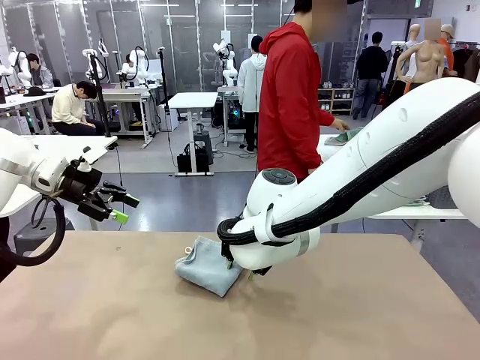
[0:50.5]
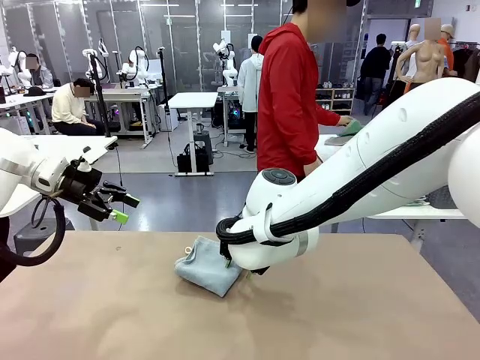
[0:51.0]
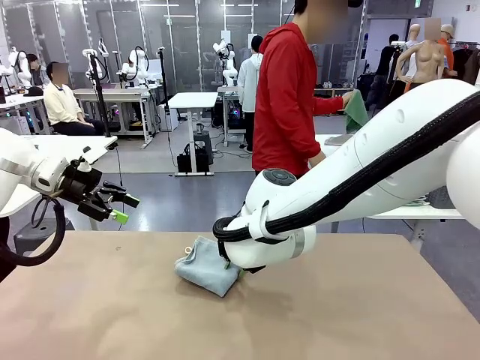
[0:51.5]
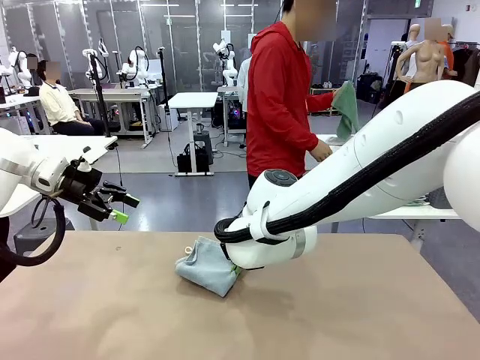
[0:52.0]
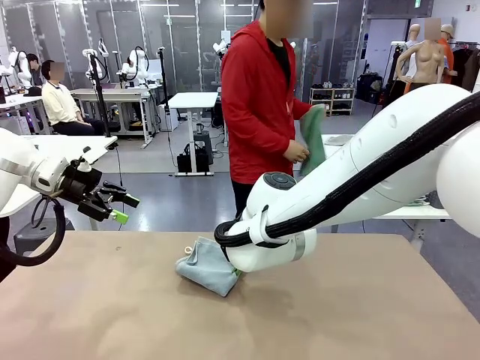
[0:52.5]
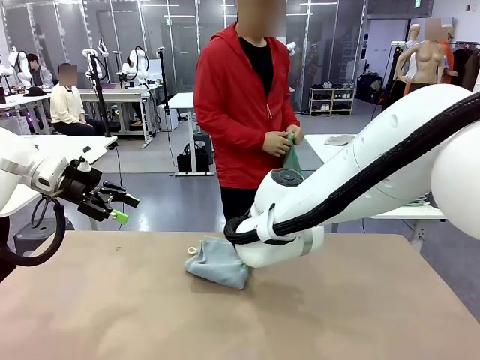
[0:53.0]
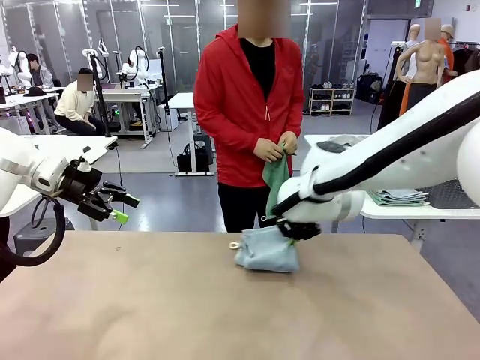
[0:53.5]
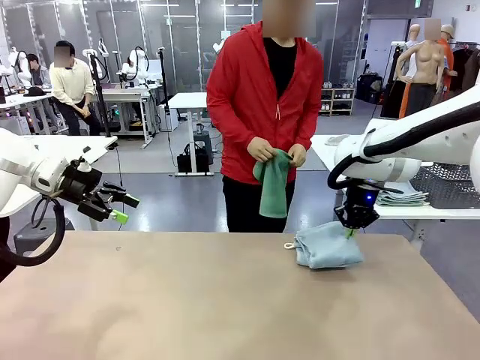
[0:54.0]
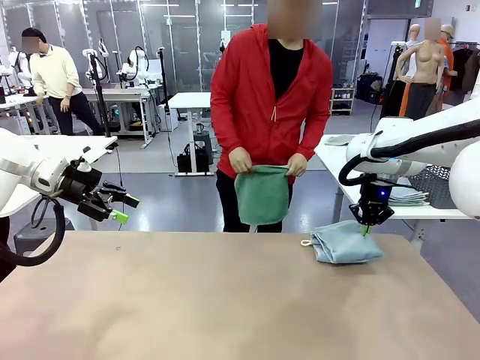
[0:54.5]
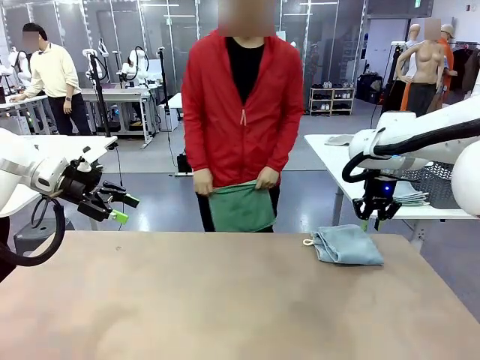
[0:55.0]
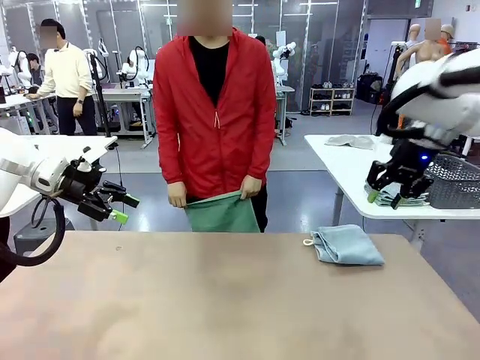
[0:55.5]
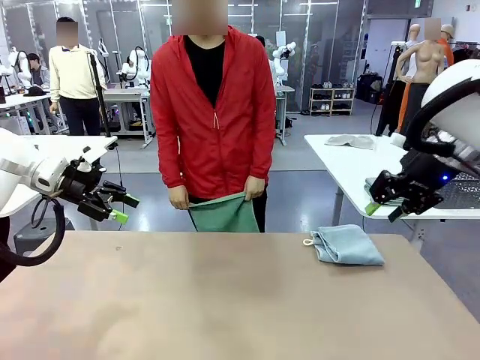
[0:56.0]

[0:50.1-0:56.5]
Task: Fold the towels and place them in the basket.
Robot: Place the folded Towel with hook on the right side of the table.
Person: Pick up one towel from the left side of the human table and spread it out at the center of the robot table.

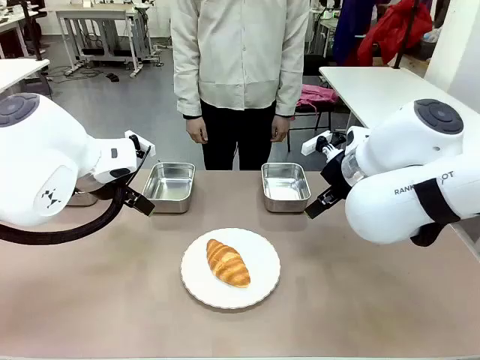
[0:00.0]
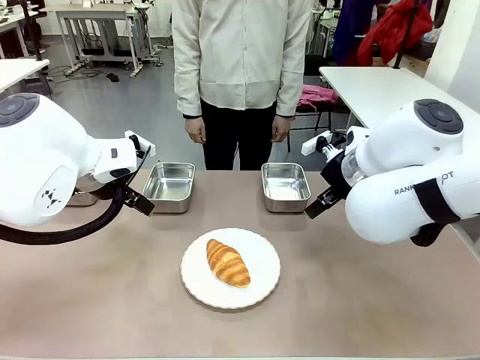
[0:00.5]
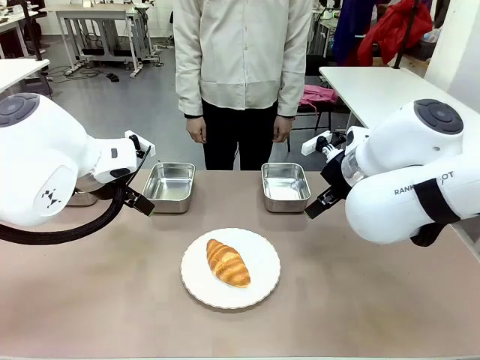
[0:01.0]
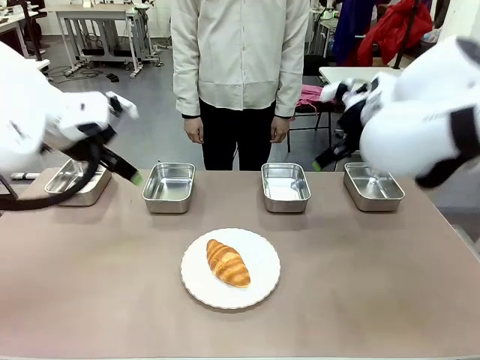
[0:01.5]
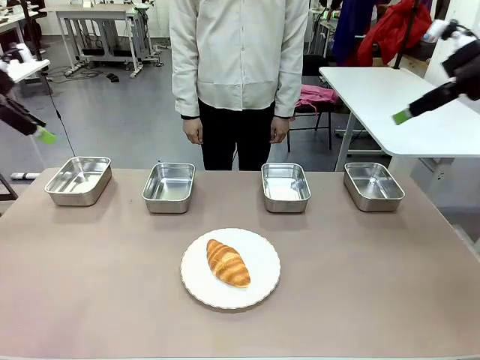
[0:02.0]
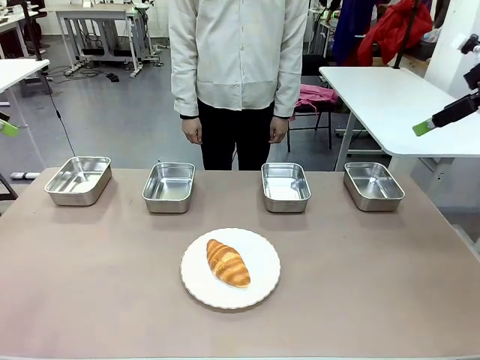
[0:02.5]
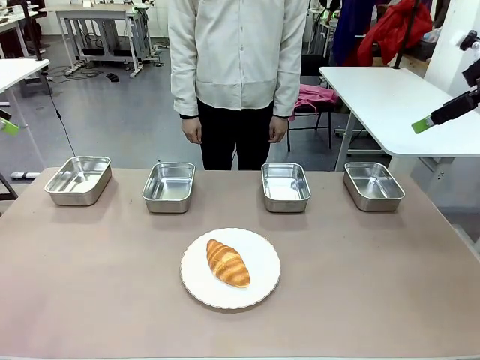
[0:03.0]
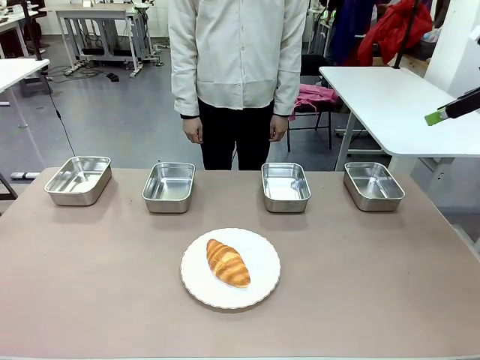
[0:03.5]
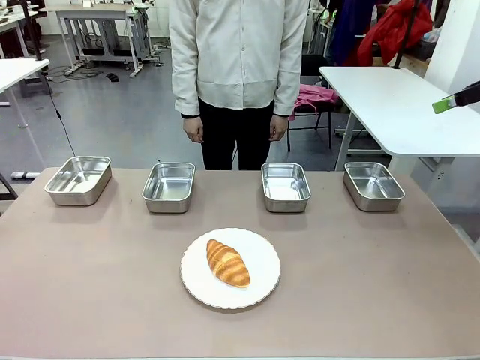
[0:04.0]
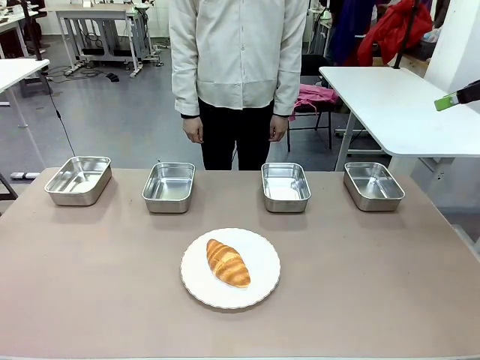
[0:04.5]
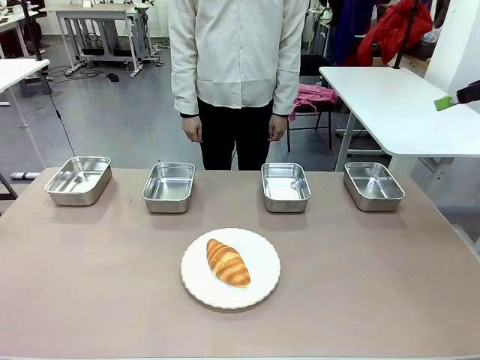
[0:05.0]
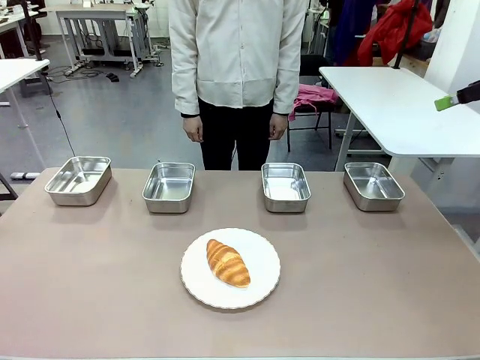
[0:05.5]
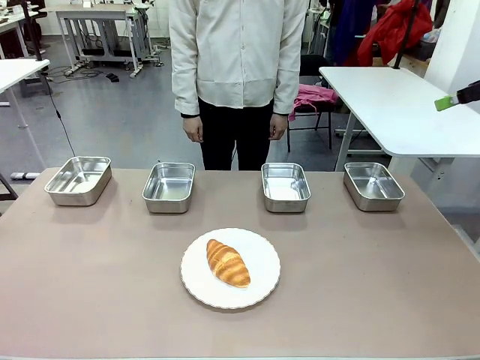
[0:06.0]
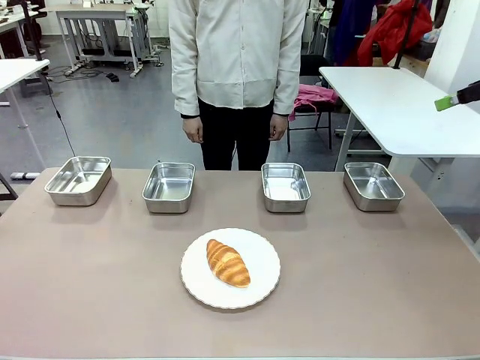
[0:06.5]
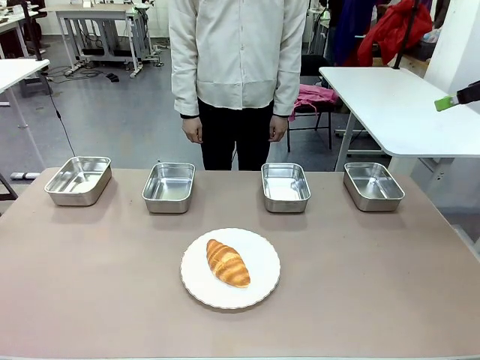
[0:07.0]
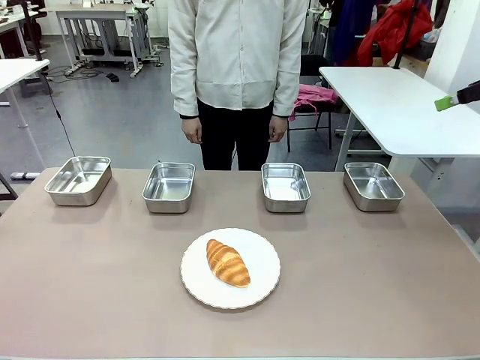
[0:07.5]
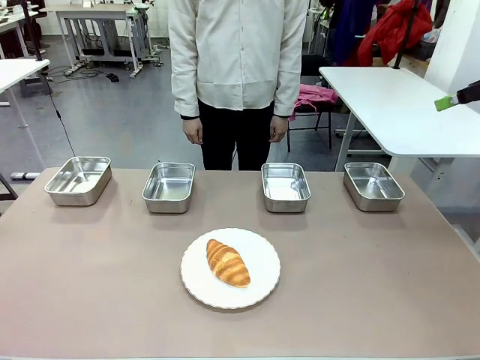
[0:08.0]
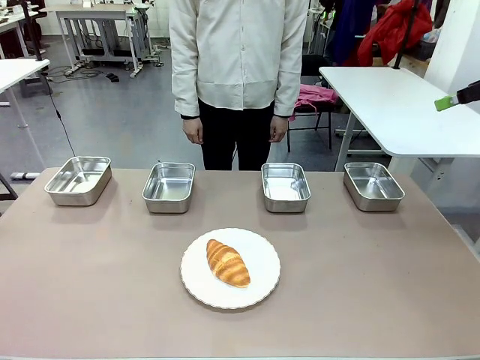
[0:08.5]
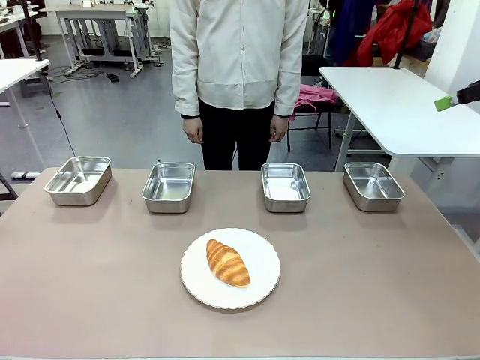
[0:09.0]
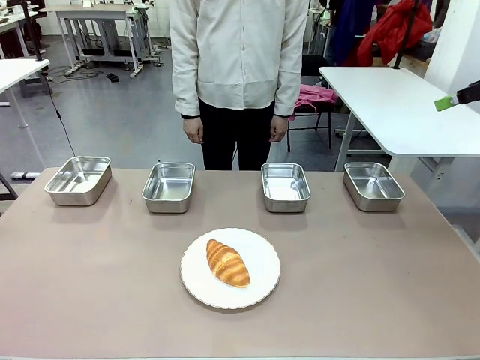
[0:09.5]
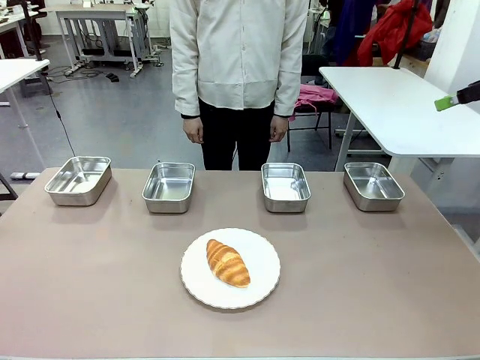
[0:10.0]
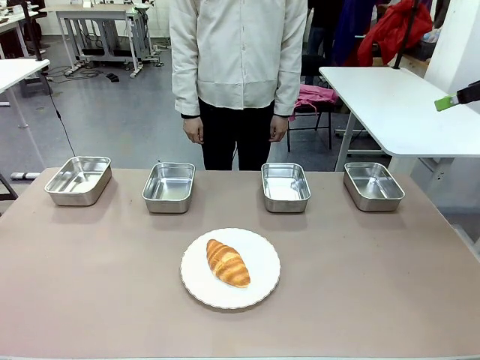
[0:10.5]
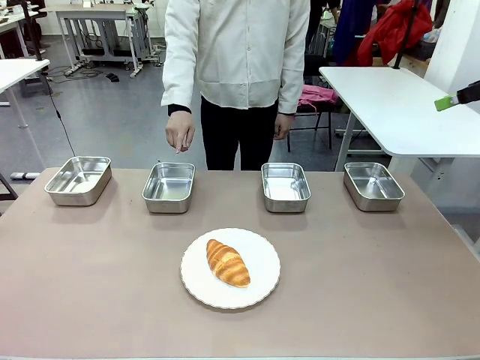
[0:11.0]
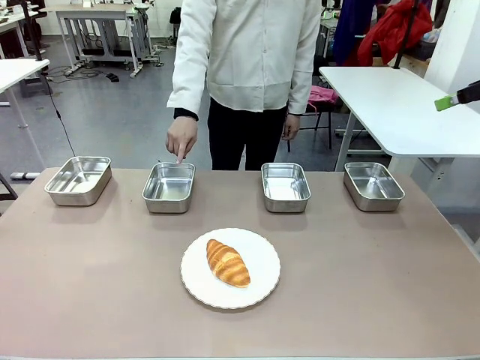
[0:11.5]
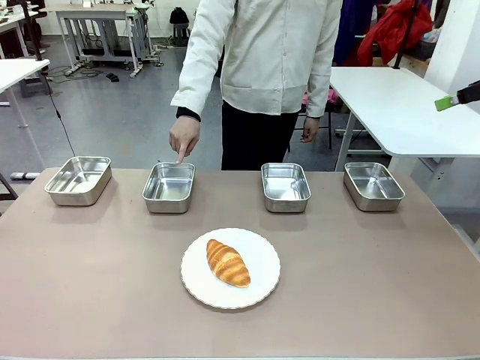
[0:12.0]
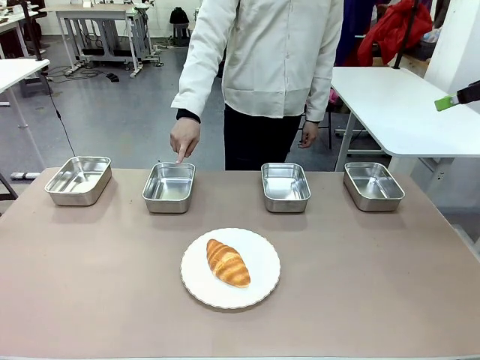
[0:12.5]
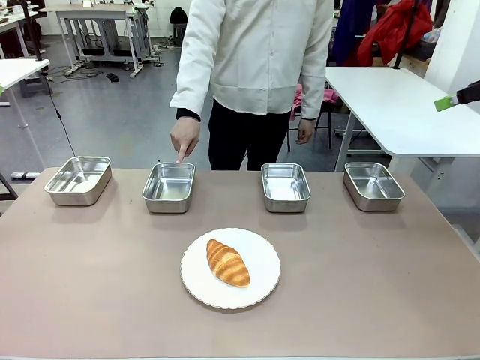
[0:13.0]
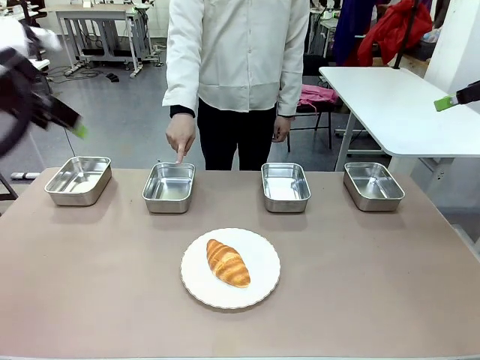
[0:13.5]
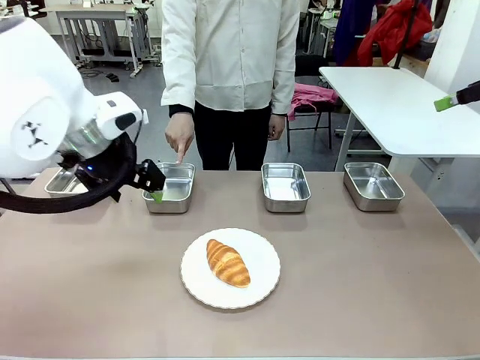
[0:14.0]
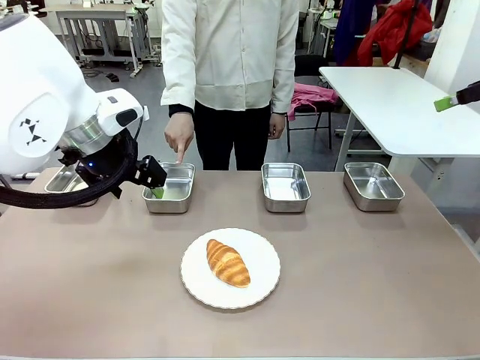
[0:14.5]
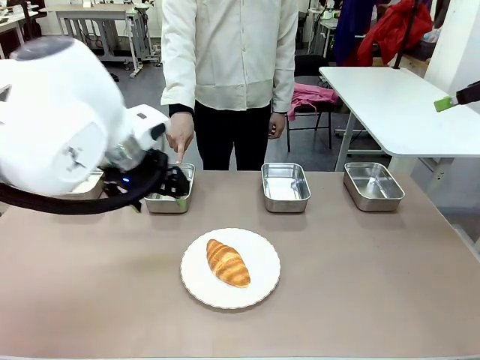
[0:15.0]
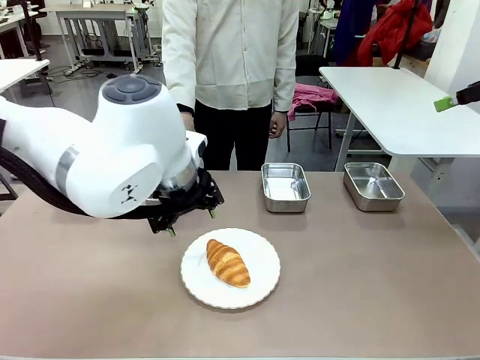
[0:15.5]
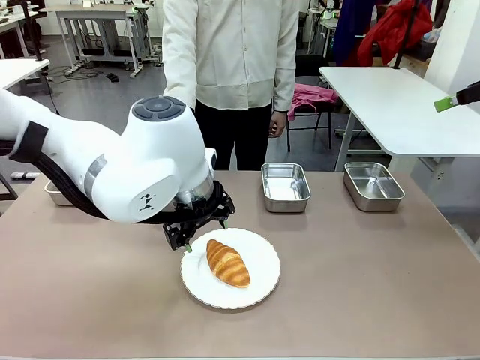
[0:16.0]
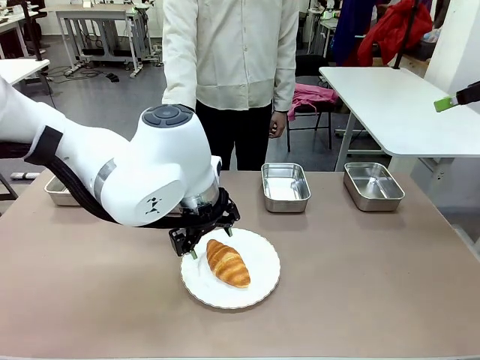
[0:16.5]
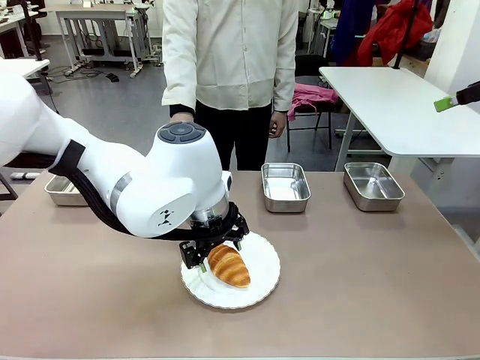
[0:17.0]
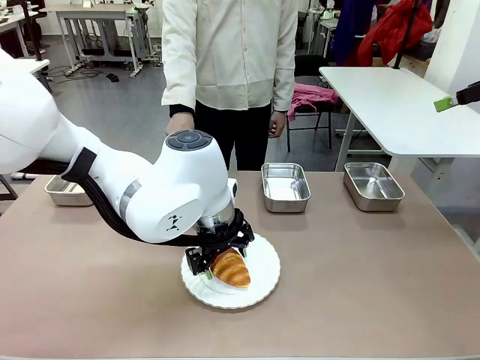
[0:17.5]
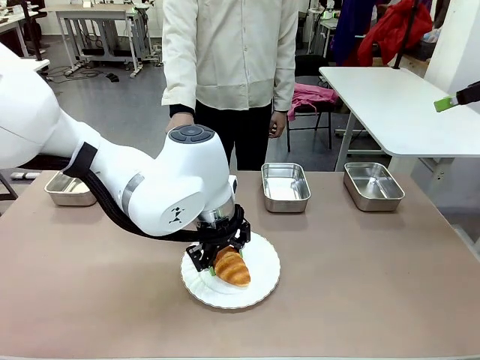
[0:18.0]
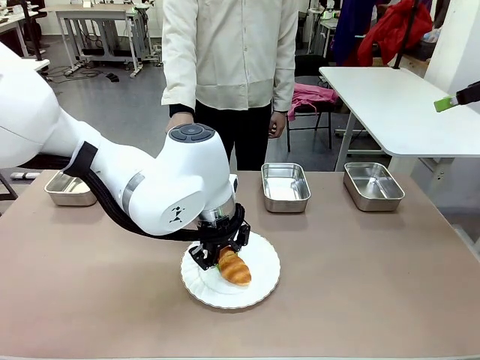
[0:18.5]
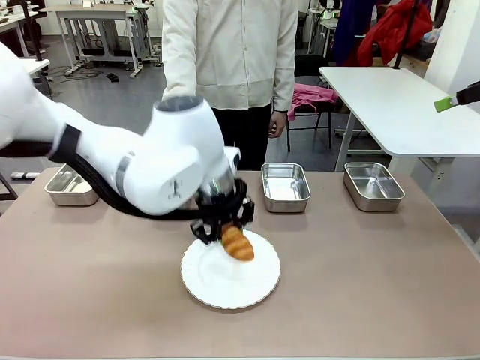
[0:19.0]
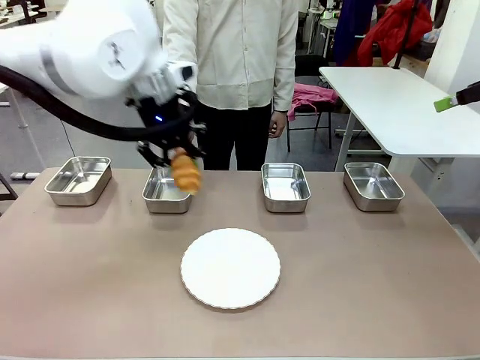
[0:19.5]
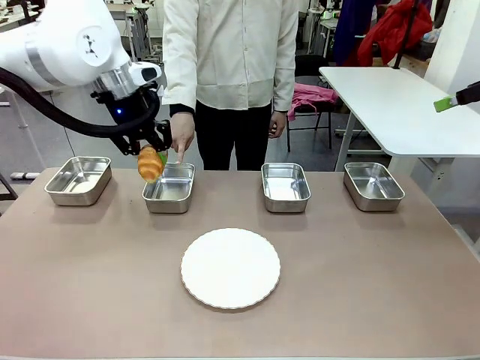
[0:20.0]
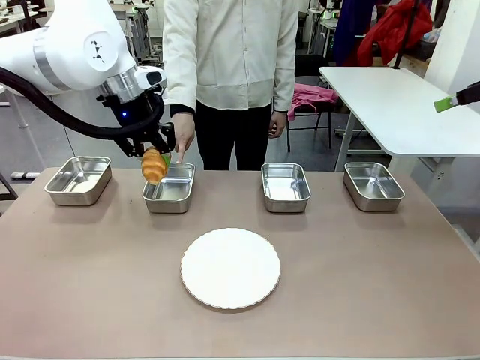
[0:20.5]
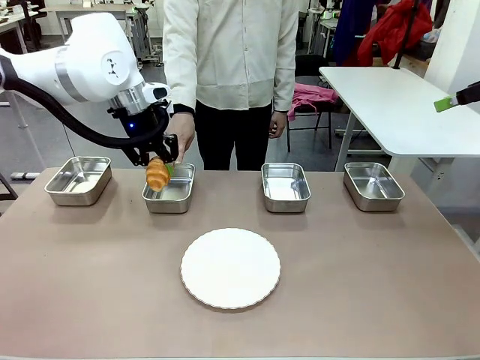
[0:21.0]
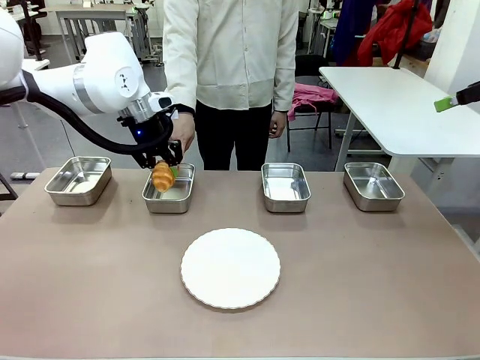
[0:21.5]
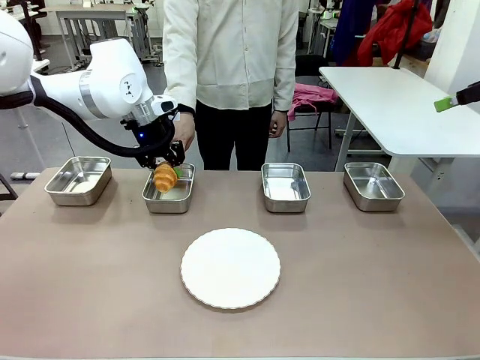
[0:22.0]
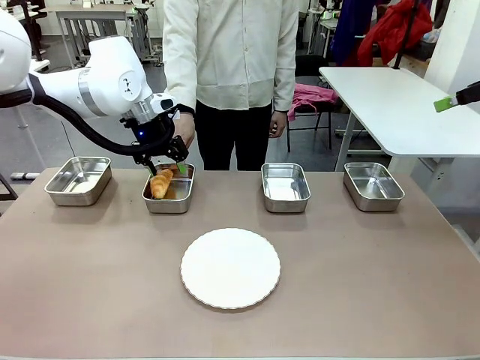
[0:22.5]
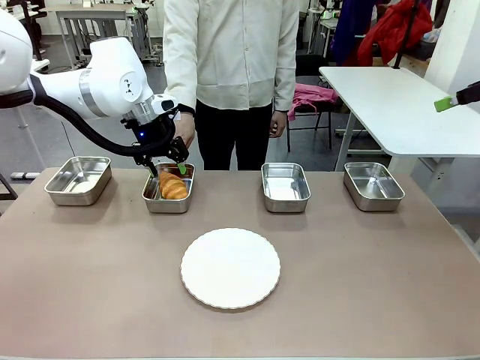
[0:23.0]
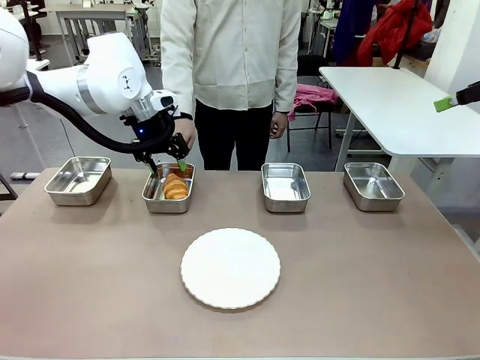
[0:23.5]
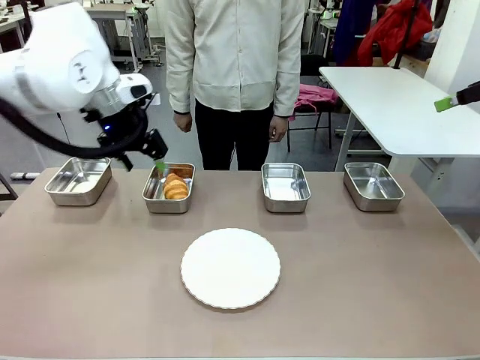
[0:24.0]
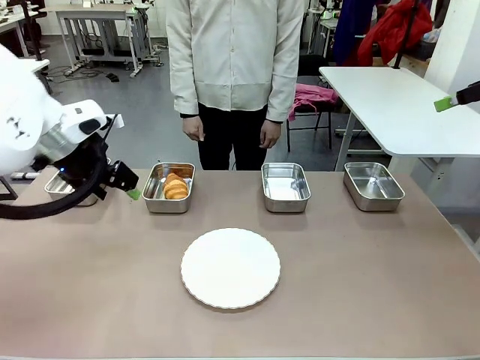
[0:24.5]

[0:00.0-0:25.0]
Task: Place the bread in the container.
Robot: Place the Butter Roll into the Airtight Container indicated by the human.
Person: A person randomly selects and points to an Airtight Container.
